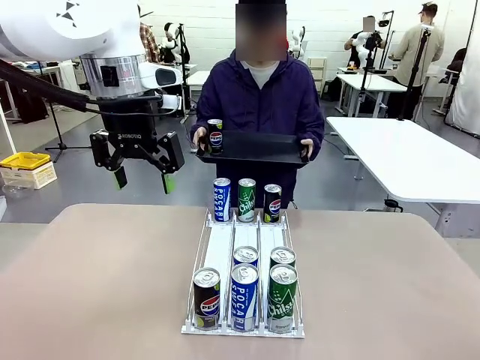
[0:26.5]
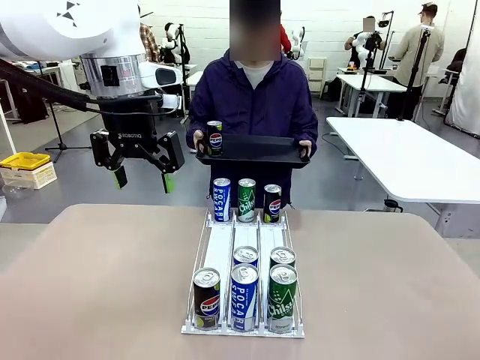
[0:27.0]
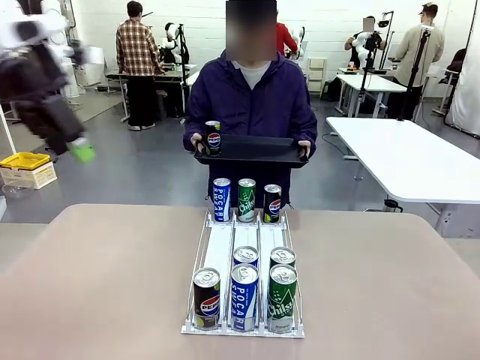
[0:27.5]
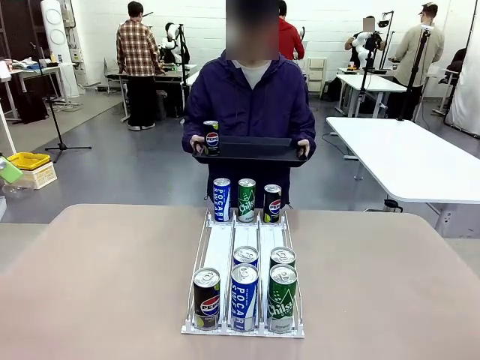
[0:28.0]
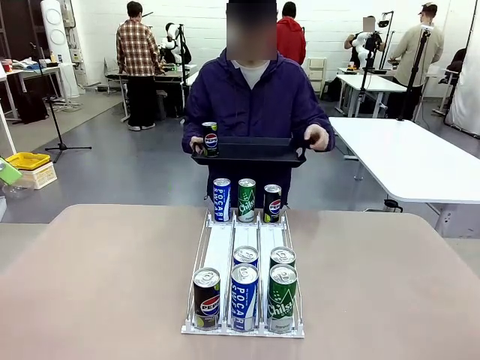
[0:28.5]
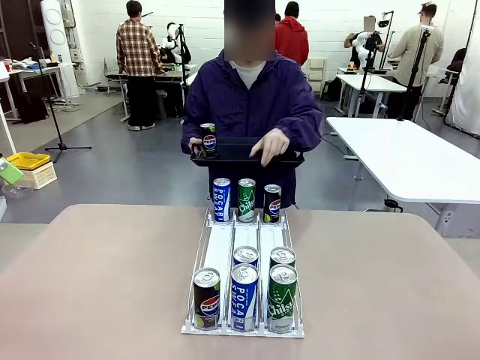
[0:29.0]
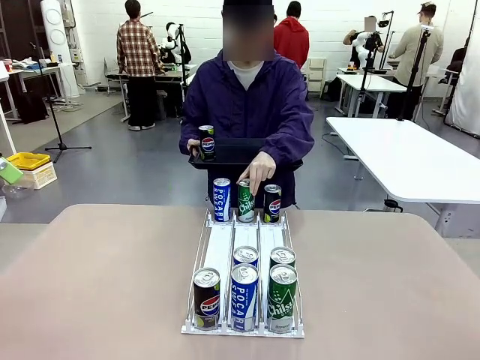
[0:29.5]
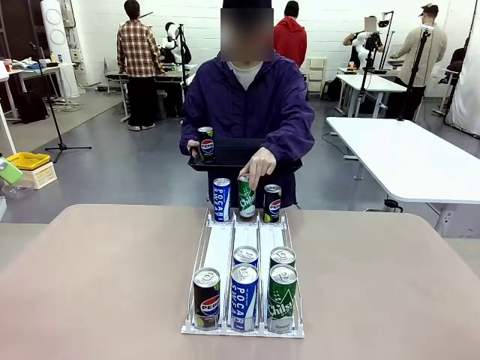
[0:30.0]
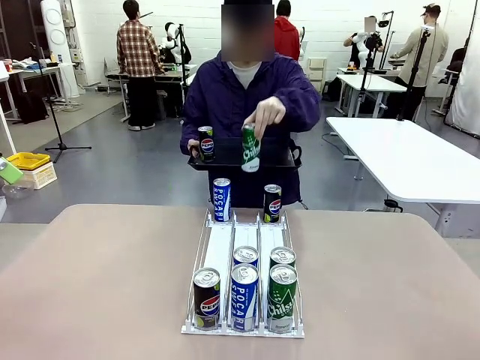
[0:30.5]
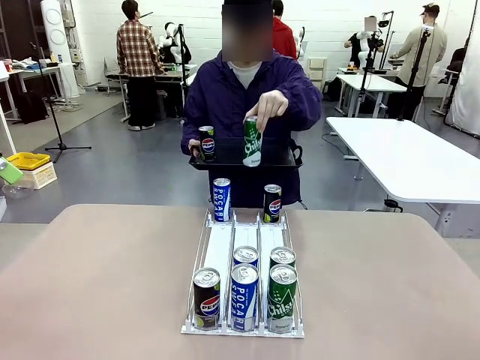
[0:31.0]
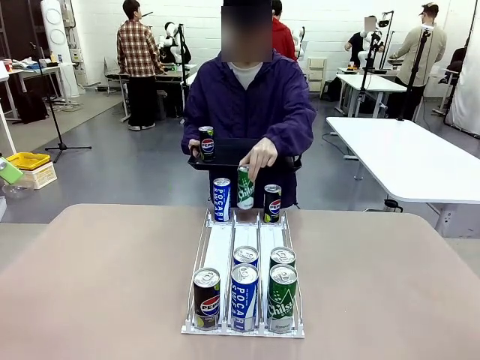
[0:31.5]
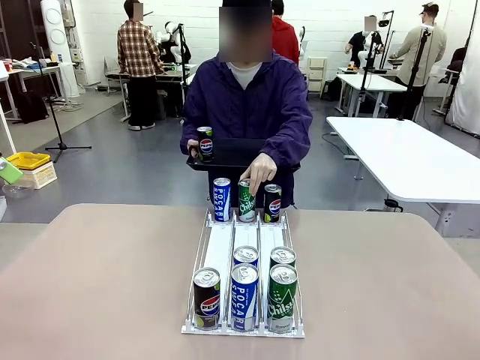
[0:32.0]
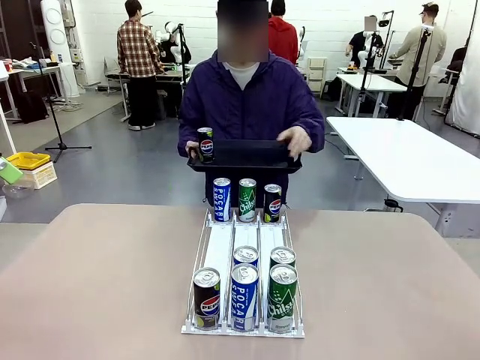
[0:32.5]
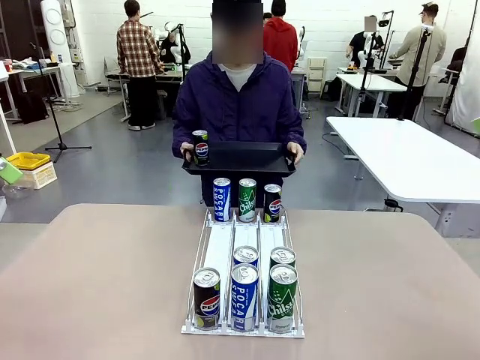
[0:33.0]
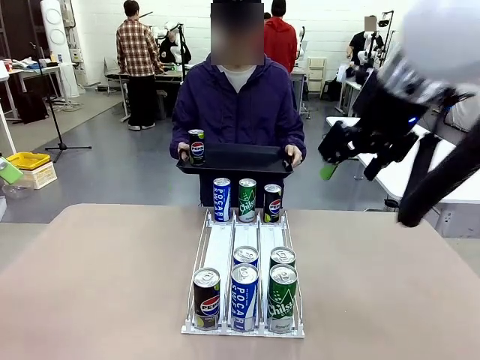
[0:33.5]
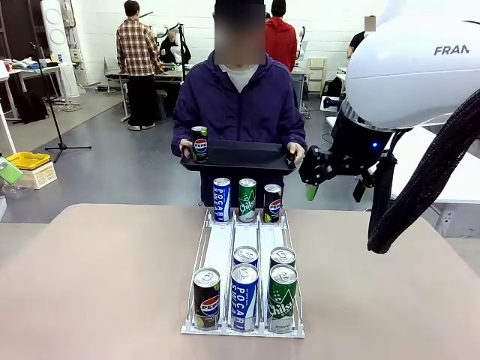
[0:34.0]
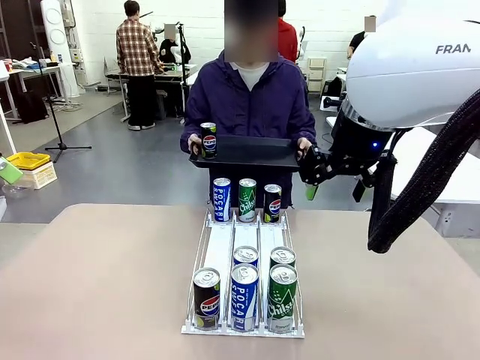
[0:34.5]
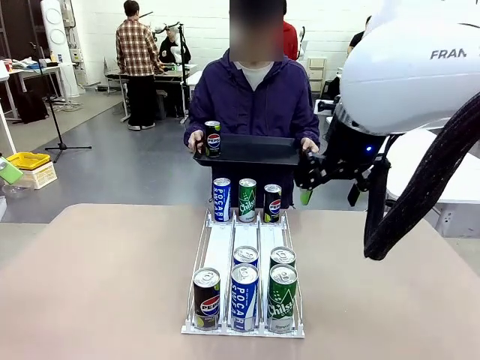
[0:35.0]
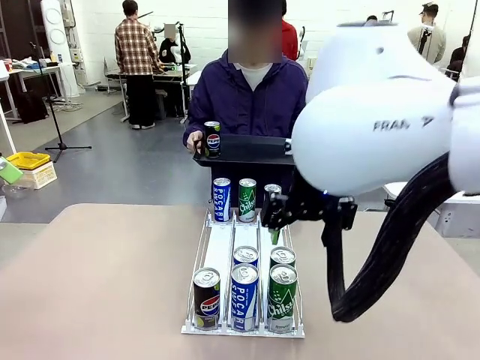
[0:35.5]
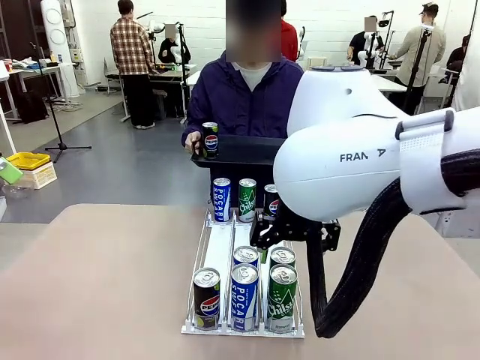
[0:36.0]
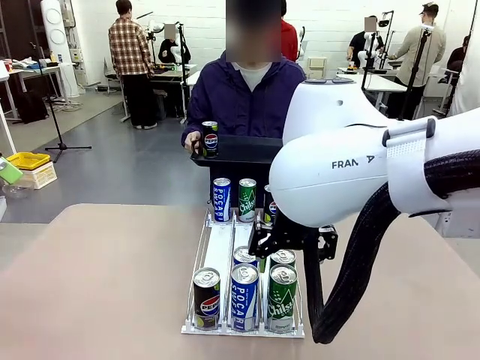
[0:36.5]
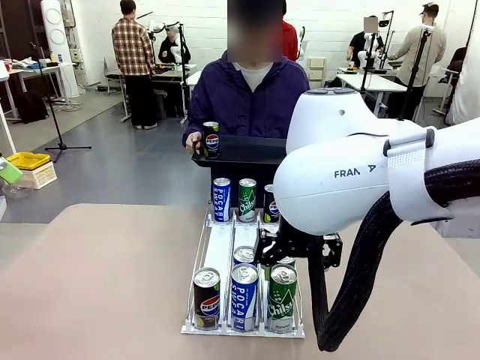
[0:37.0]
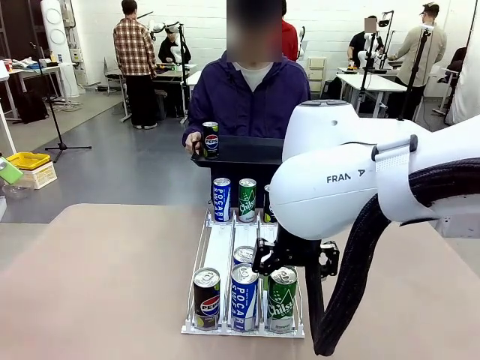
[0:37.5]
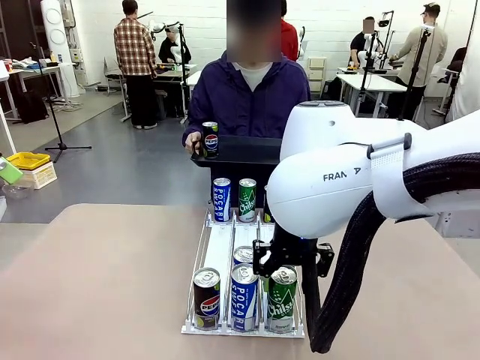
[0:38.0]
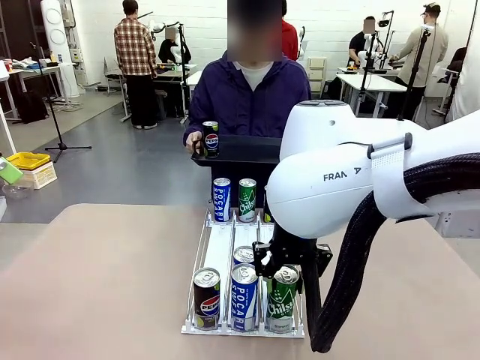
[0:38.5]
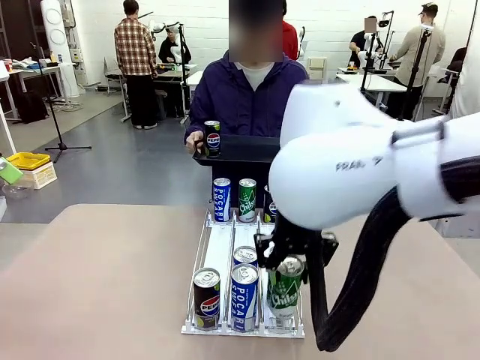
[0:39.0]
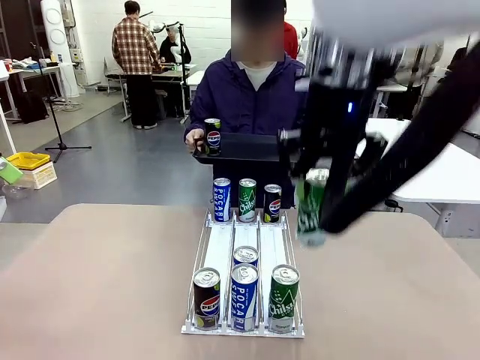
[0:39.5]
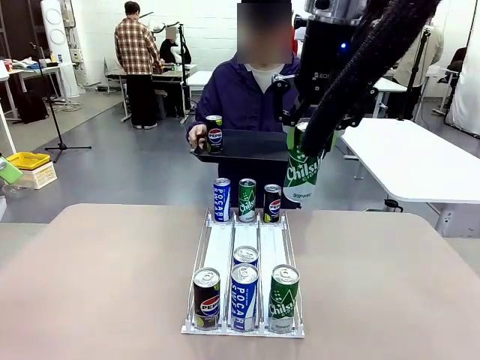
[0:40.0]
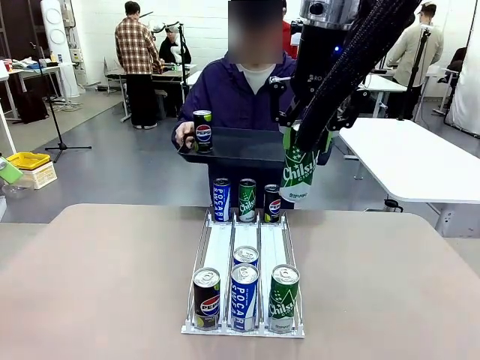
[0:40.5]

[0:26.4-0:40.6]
Task: Retrieve and hand over the desired beverage to the person.
Robot: Pick up another can of the same type that the person held from the Automatic Can Dispenser.
Person: Pull the tray back, then pick up another can from the bottom area of the table and puts it back in its original place. Push the tray toward the robot again.

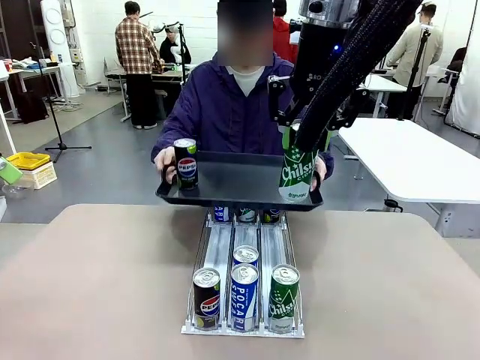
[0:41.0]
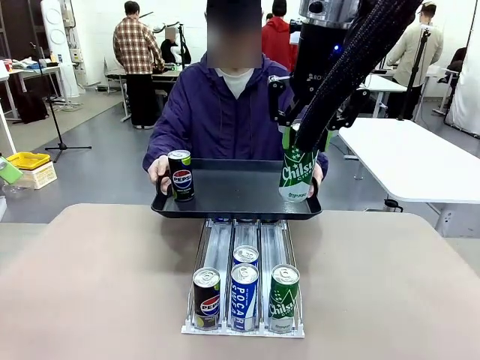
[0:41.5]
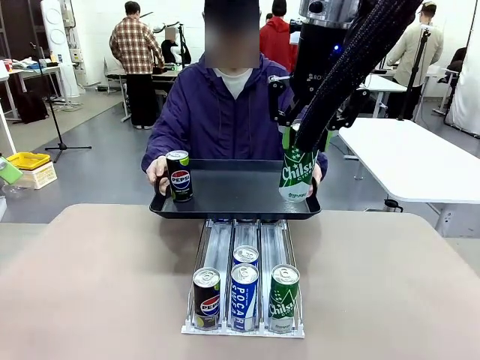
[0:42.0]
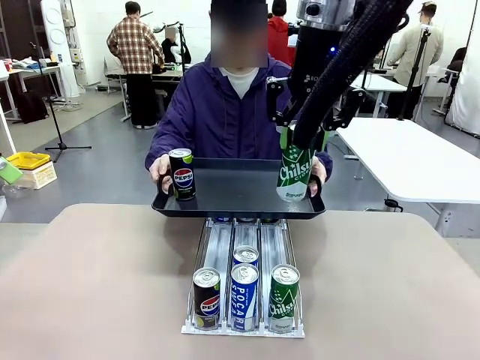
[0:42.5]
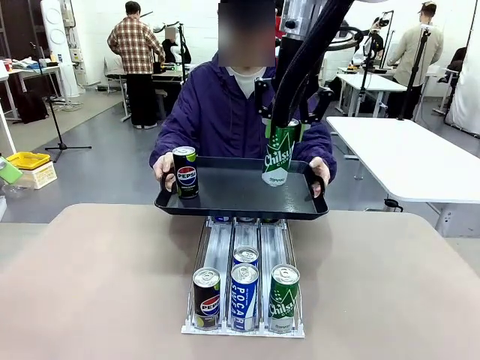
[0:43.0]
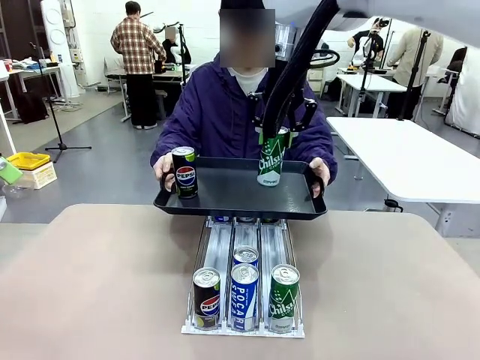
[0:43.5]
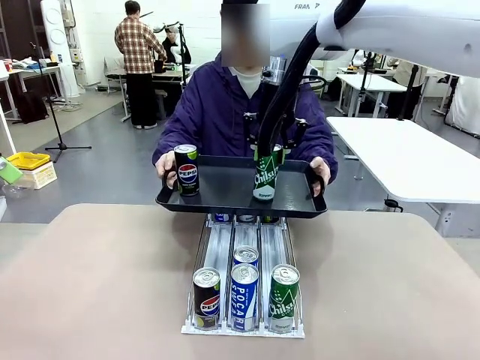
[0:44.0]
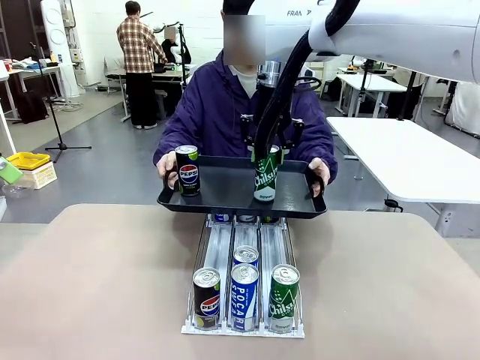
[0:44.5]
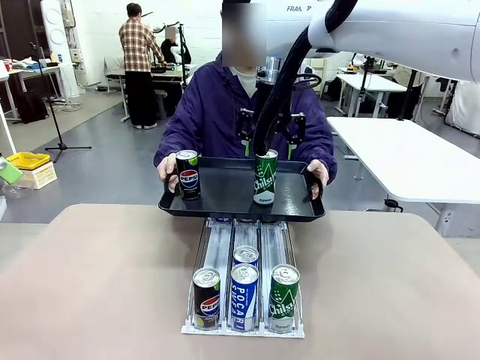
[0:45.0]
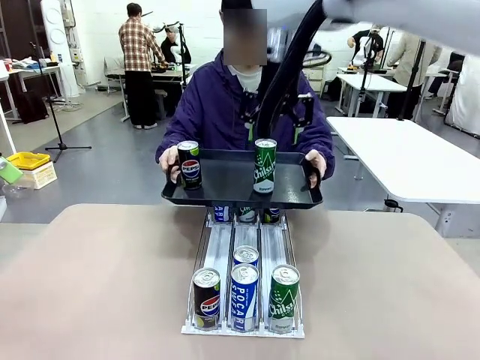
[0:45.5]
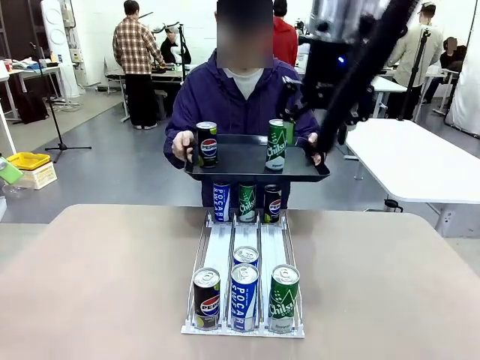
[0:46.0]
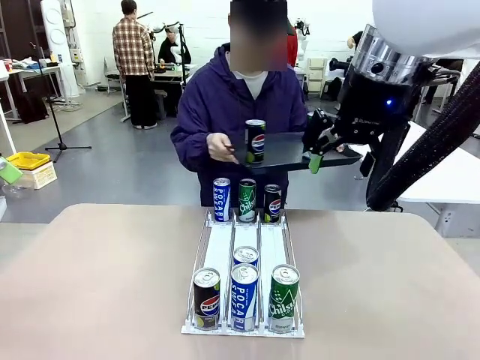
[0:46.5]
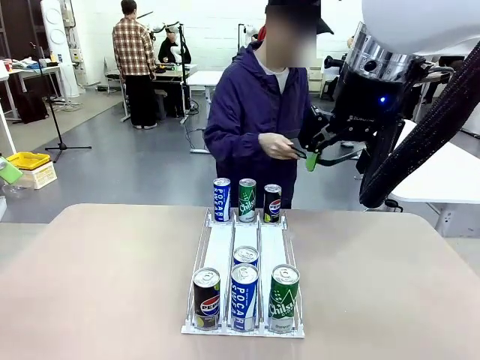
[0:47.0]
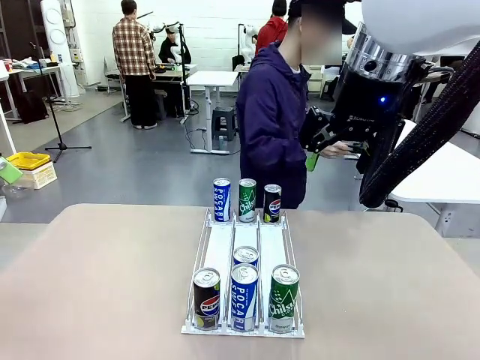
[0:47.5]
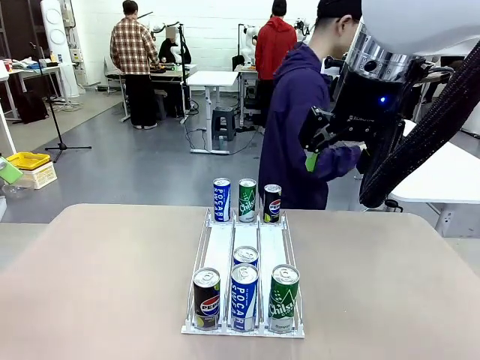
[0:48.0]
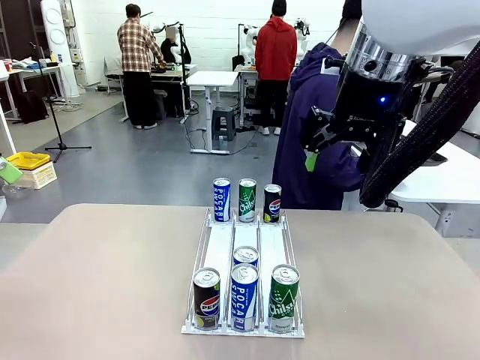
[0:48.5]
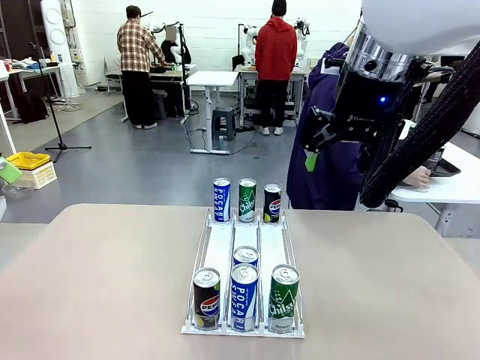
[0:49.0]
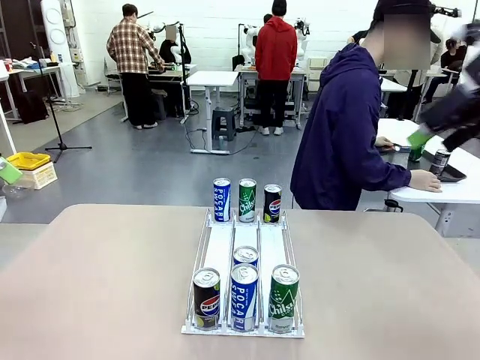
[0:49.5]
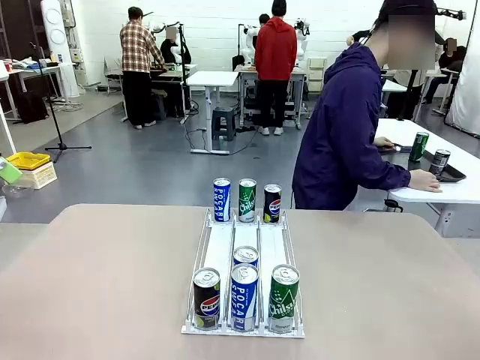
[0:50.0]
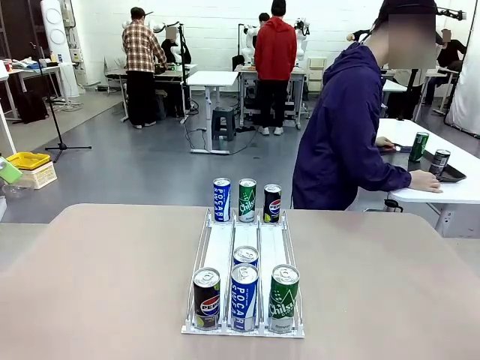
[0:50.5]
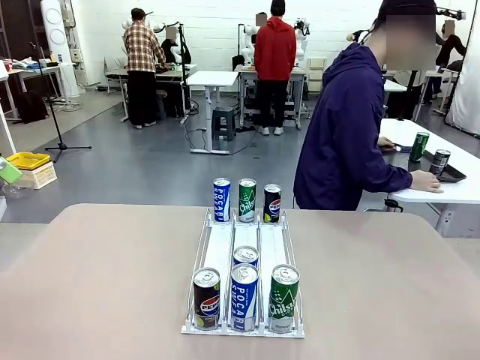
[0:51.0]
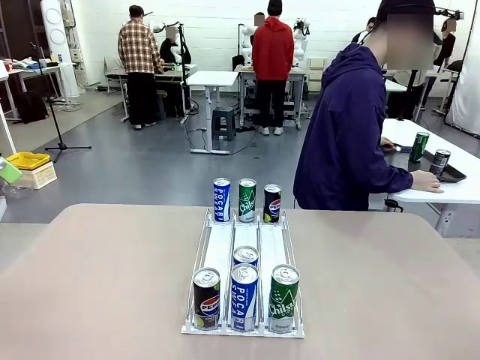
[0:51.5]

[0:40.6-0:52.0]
Robot: Place the picked can on the Handle tray extended by the person.
Person: Pull the tray back and place it at the center of the human table.
